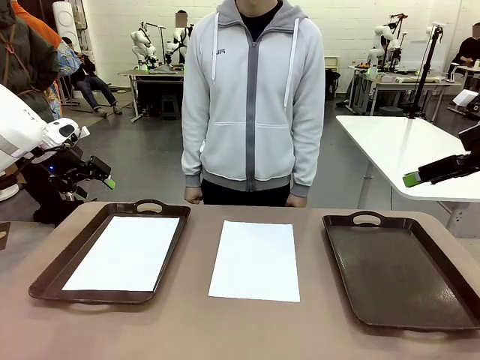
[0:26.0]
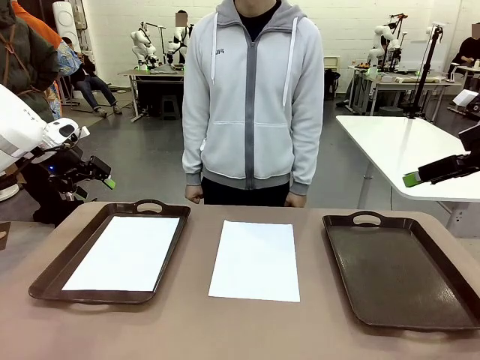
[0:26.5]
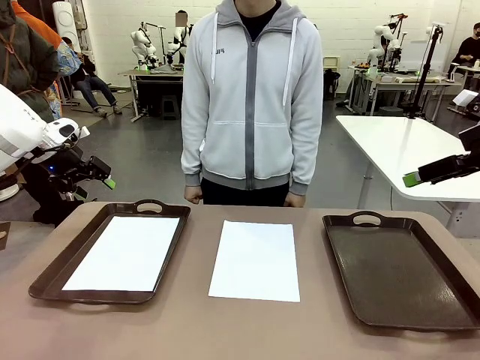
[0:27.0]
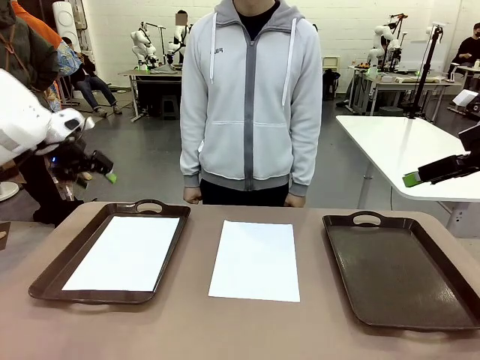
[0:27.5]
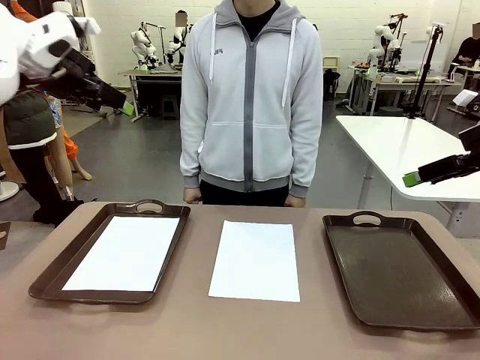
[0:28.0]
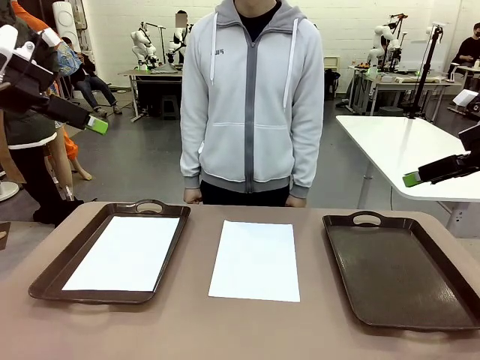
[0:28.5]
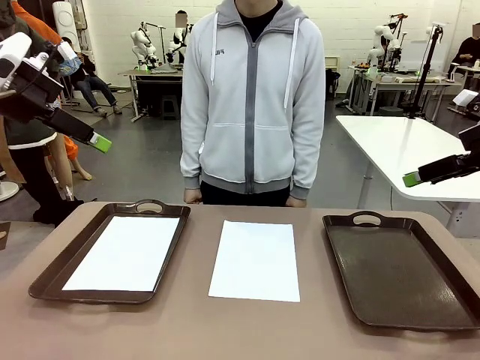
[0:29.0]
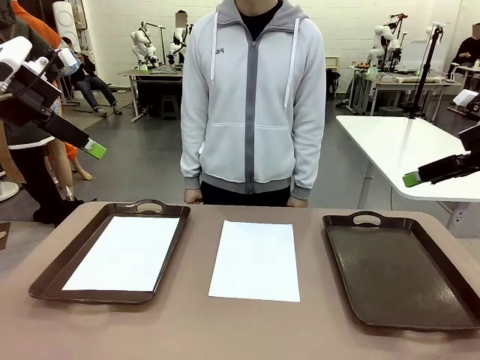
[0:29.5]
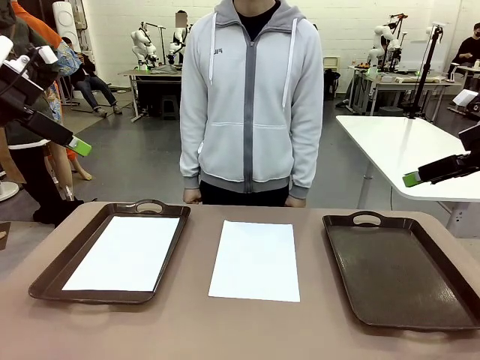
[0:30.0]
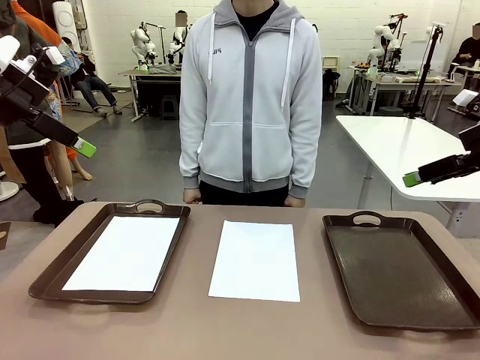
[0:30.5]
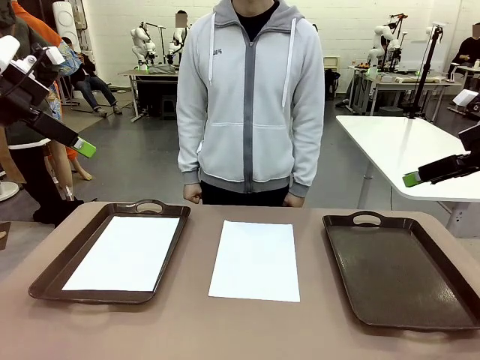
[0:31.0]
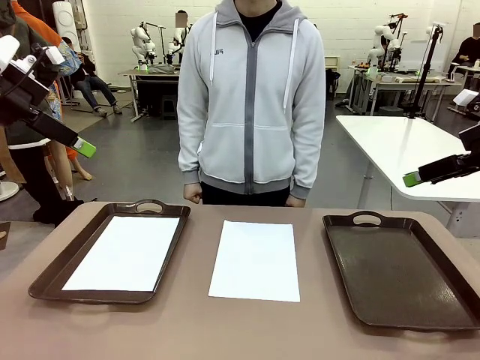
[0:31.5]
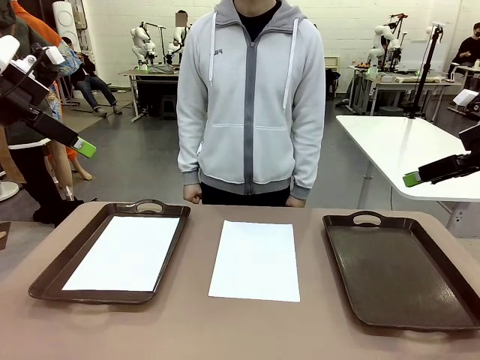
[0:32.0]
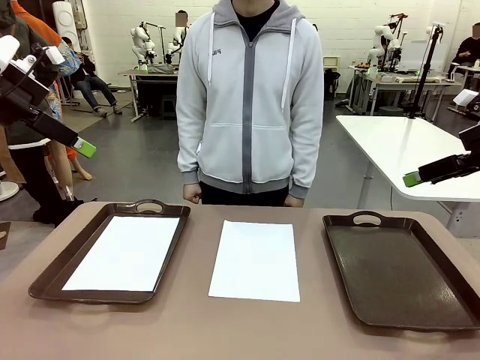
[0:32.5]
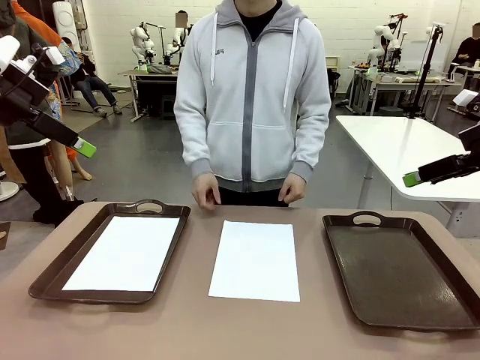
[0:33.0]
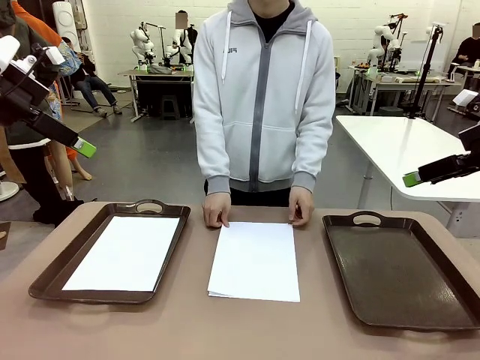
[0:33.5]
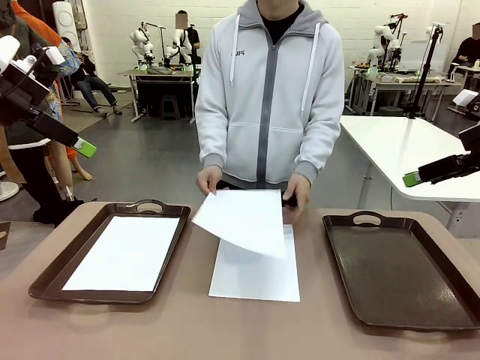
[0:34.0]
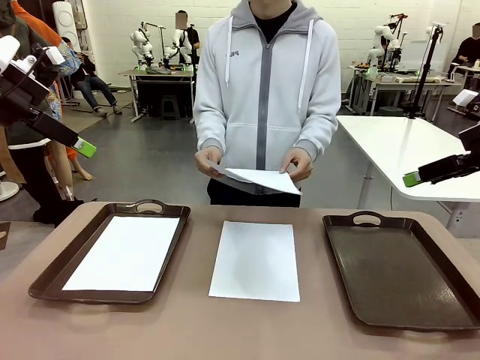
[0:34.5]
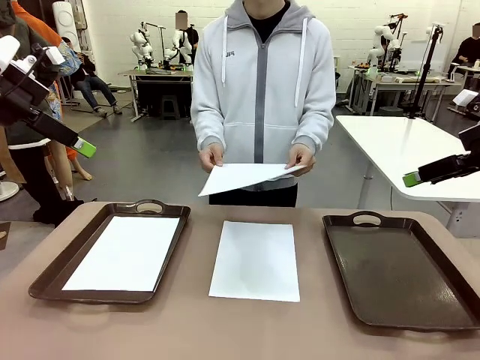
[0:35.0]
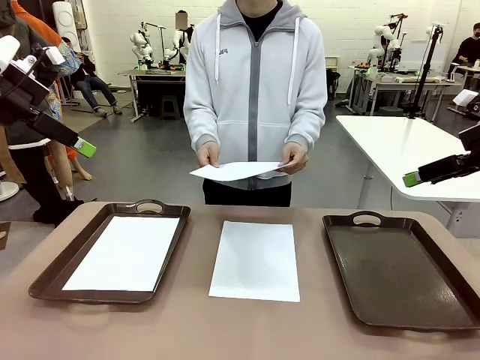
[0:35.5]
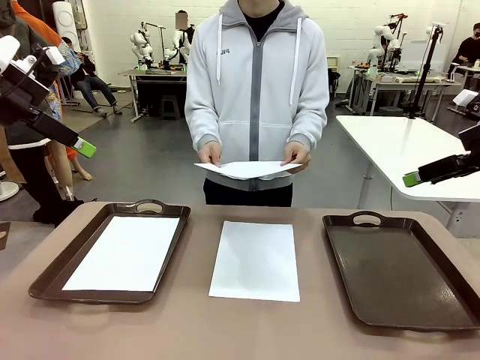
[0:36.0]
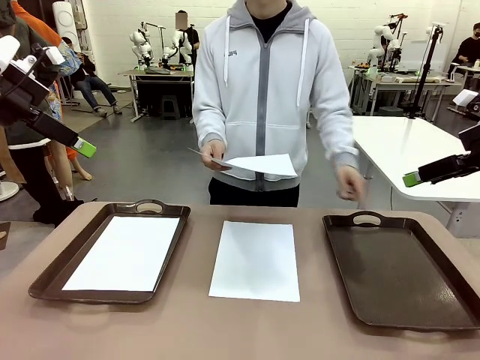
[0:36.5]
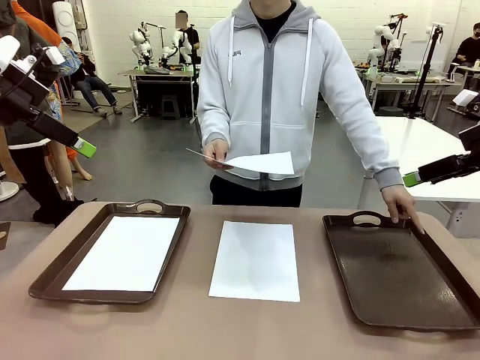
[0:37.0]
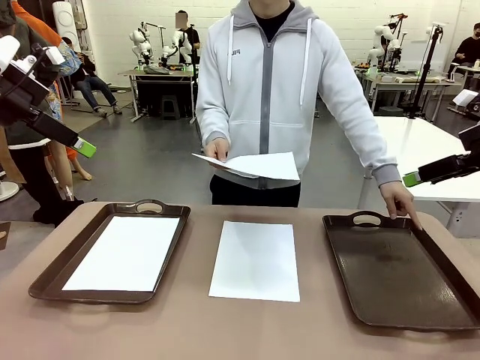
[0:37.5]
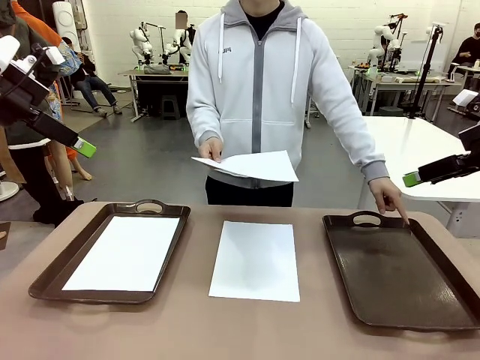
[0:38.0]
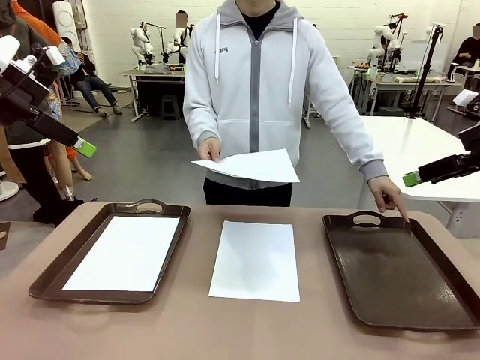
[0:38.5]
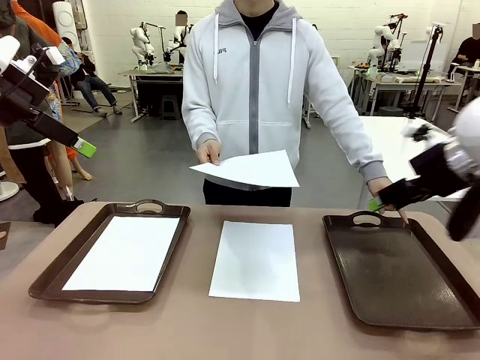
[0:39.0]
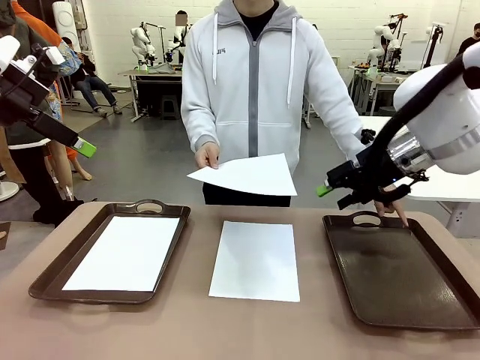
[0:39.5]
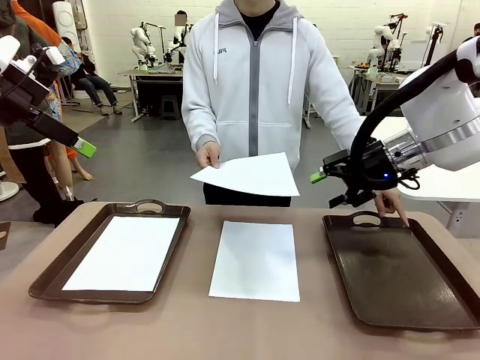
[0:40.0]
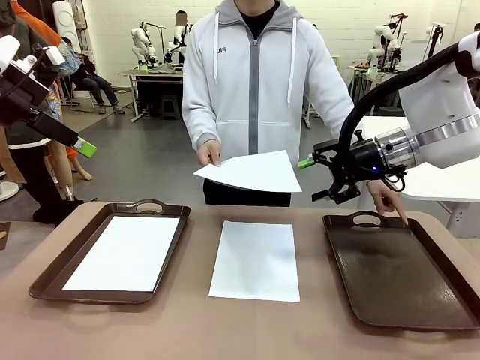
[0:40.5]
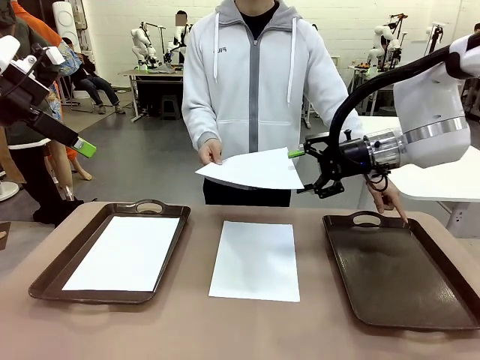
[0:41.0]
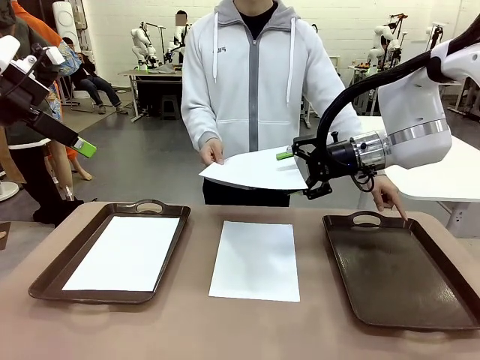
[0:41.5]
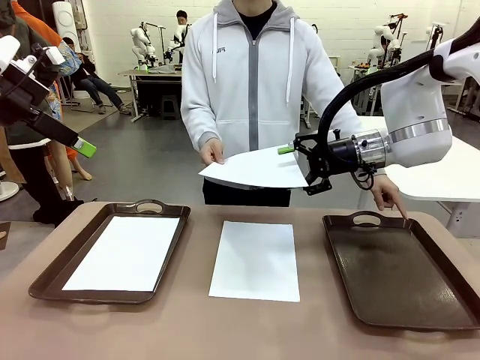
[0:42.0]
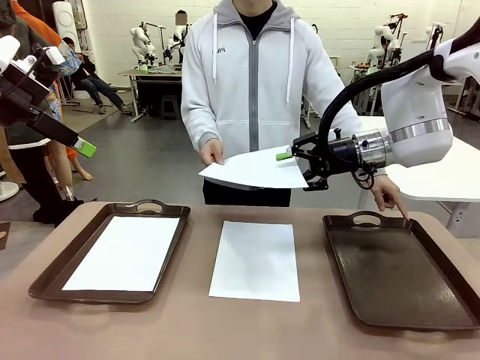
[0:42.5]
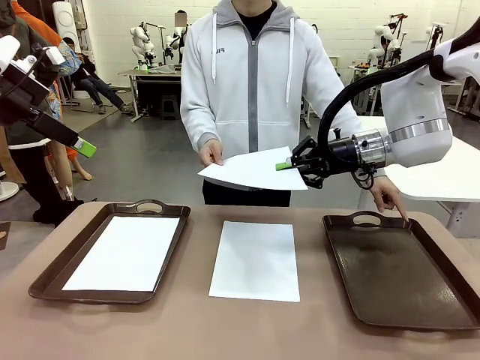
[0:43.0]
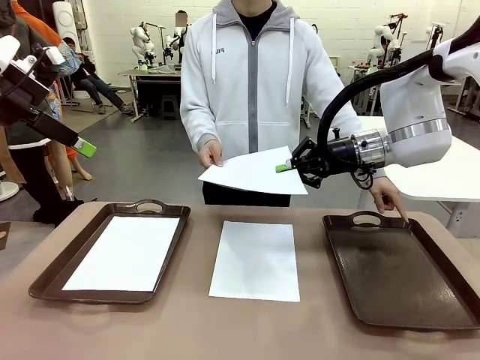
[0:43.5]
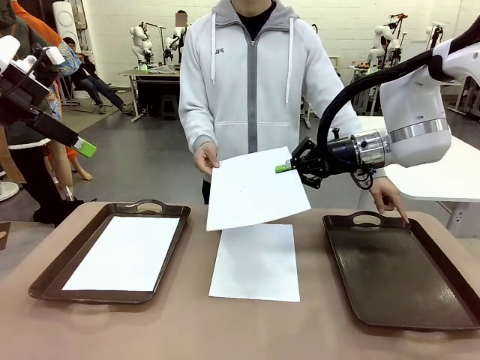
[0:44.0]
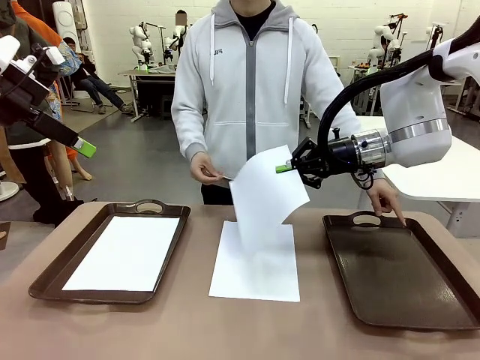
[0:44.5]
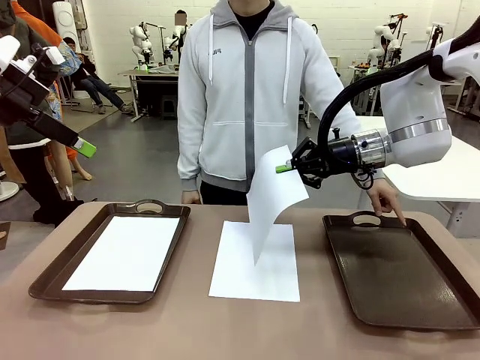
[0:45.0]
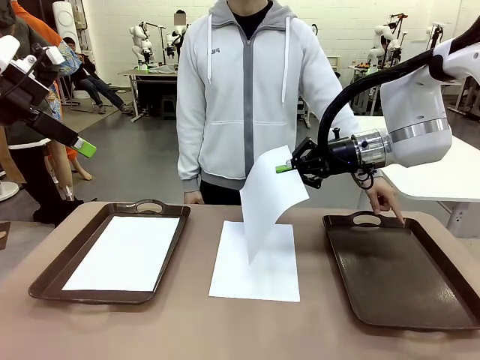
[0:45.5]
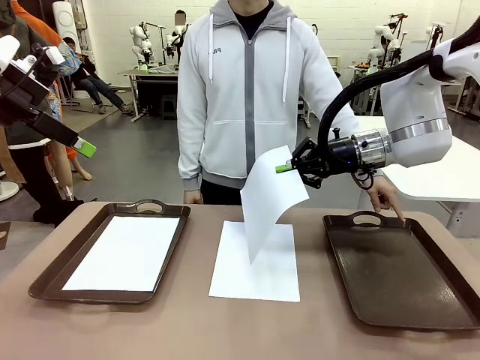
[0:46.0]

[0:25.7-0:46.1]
Task: Sort the A4 documents.
Robot: Receive the A4 Paper.
Person: Point the randomly selected tray with the other hand.

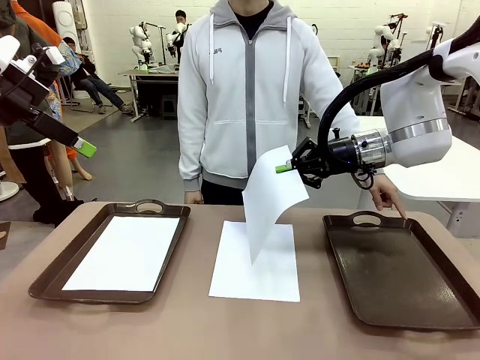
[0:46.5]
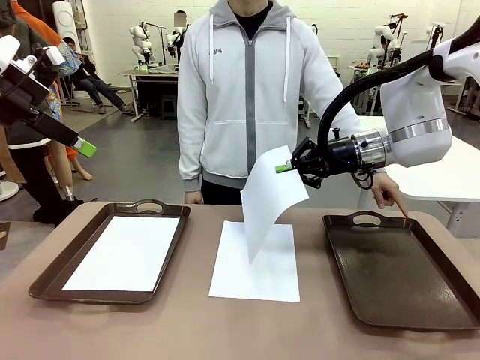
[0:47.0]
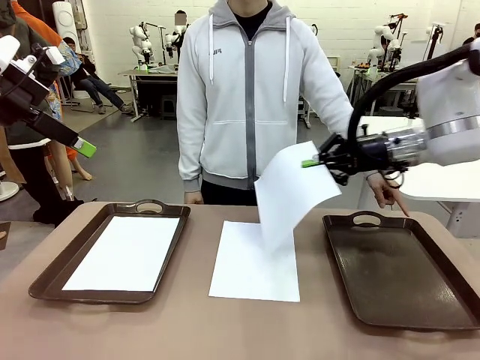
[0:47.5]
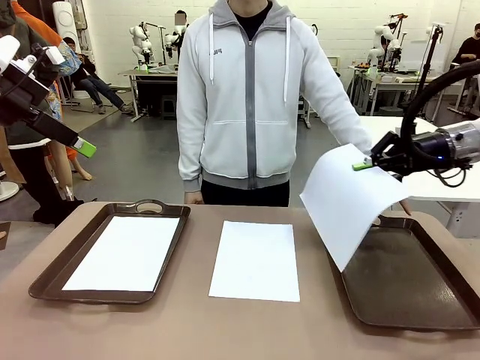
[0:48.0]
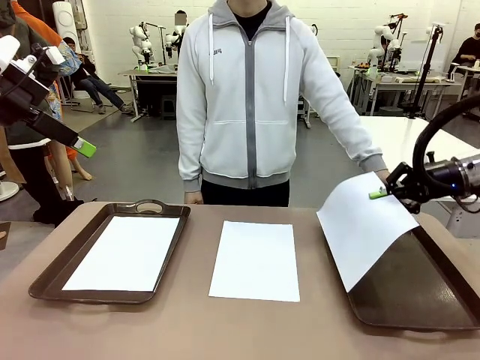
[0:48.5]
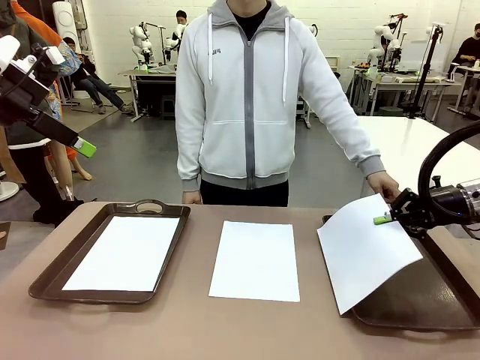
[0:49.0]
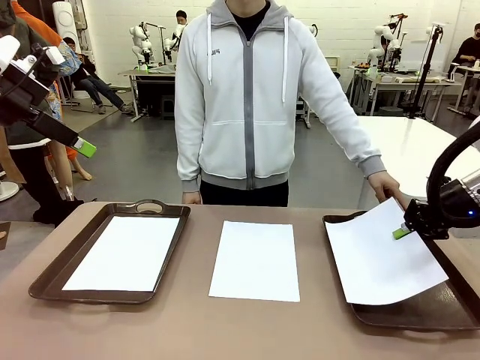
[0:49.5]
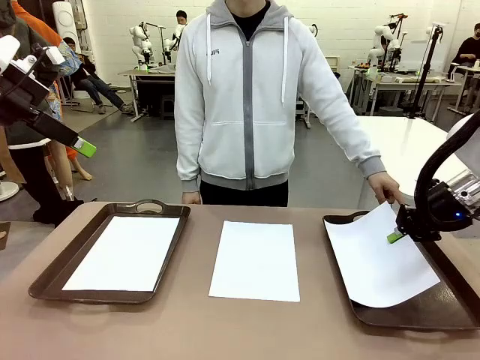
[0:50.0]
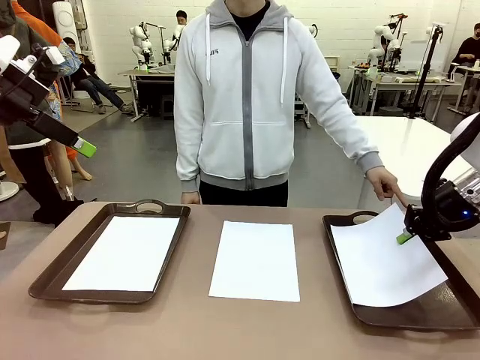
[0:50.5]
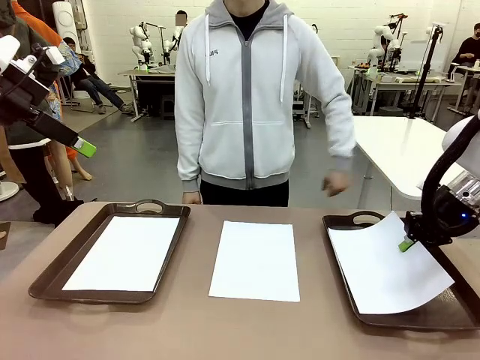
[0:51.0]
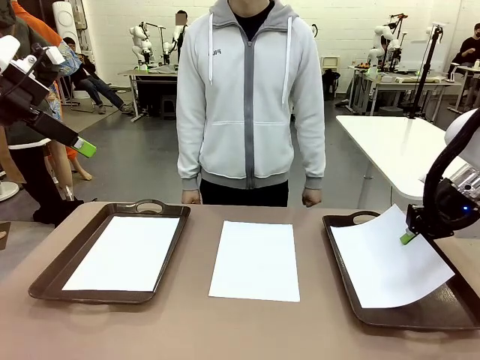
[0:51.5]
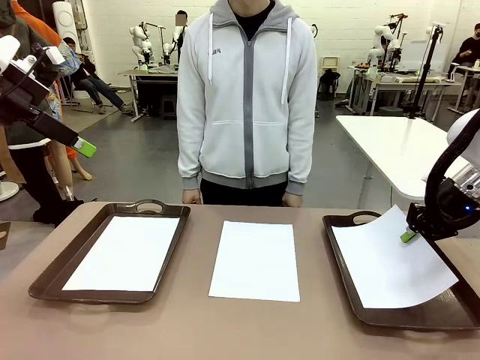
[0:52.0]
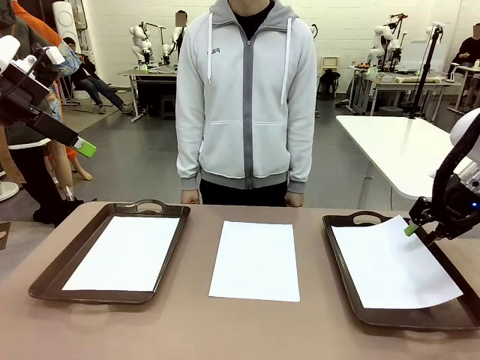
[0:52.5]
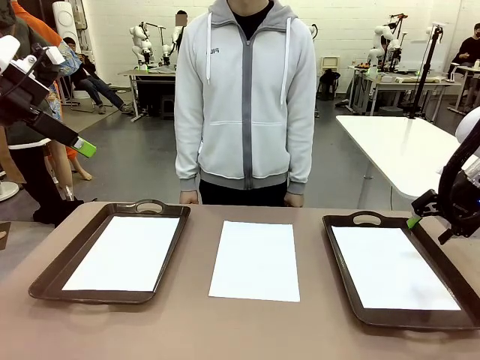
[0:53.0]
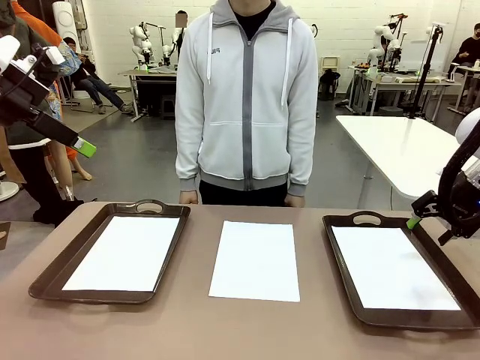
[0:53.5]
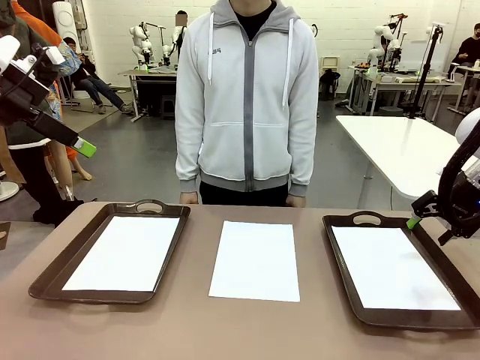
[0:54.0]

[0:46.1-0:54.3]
Robot: Place the A4 Paper in the designated Handle tray.
